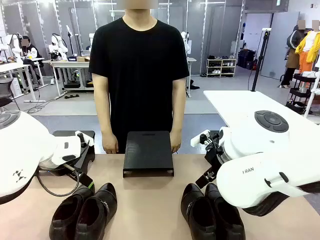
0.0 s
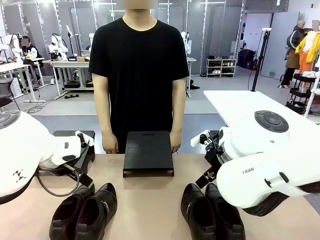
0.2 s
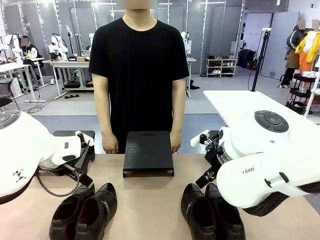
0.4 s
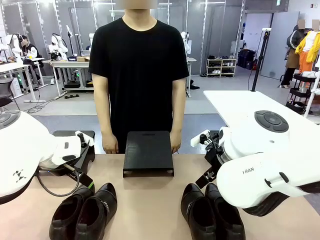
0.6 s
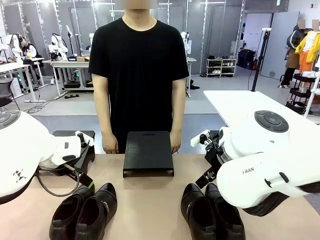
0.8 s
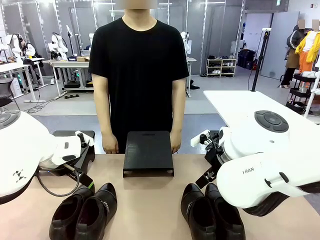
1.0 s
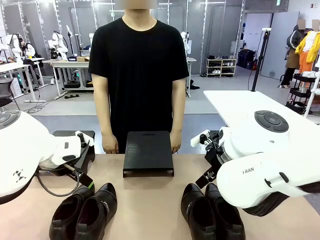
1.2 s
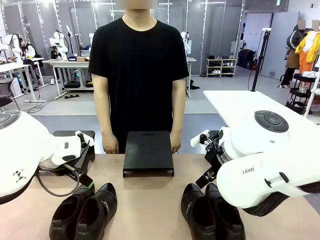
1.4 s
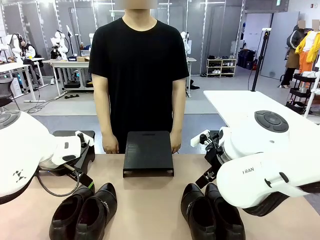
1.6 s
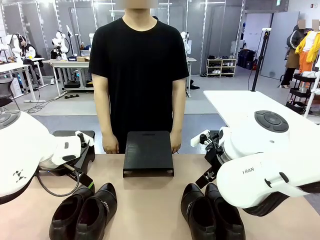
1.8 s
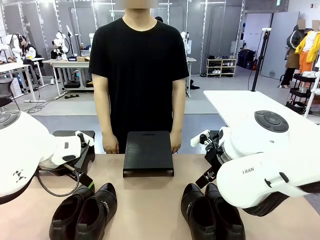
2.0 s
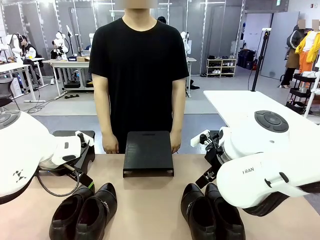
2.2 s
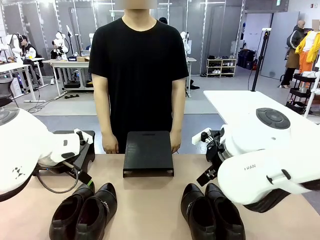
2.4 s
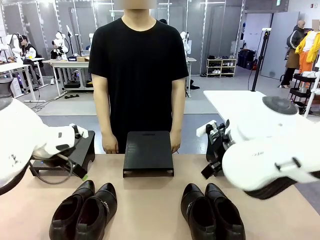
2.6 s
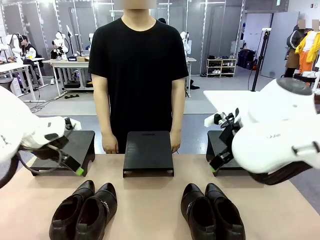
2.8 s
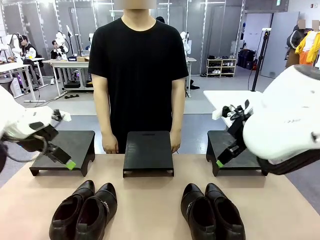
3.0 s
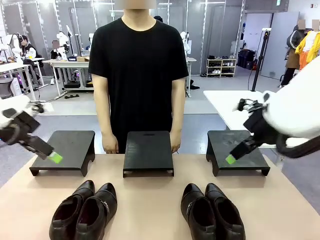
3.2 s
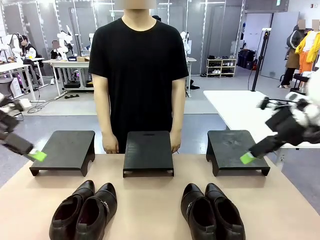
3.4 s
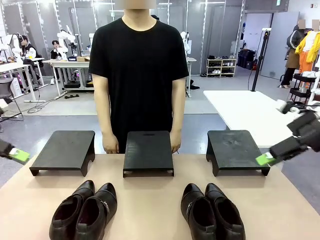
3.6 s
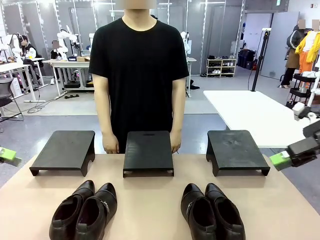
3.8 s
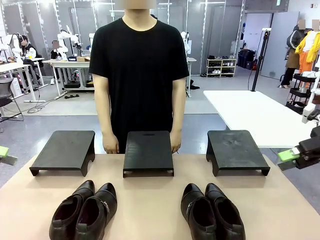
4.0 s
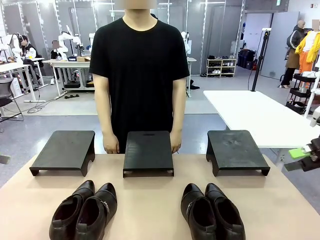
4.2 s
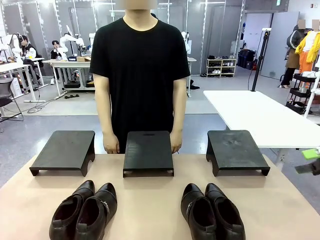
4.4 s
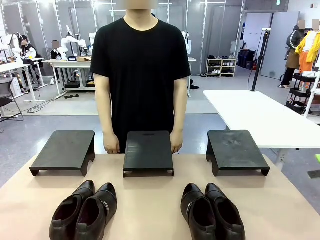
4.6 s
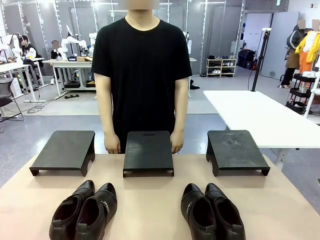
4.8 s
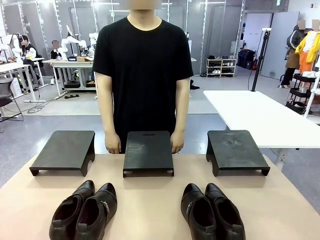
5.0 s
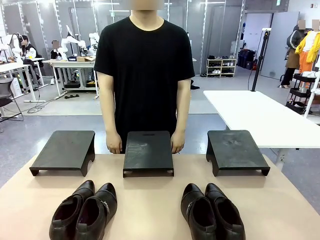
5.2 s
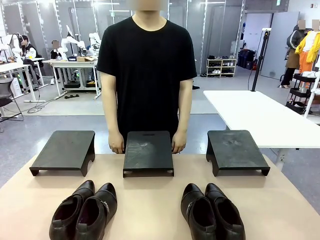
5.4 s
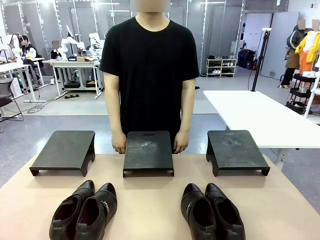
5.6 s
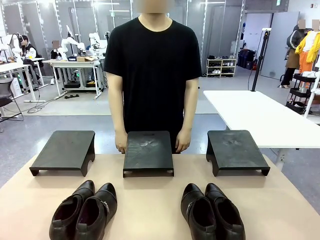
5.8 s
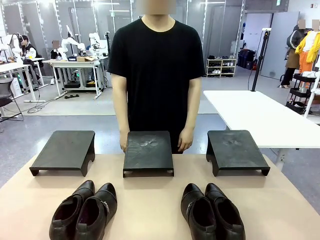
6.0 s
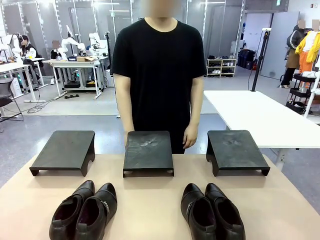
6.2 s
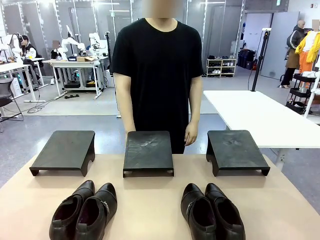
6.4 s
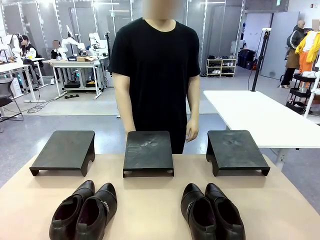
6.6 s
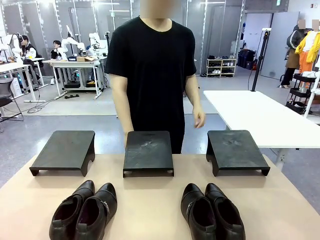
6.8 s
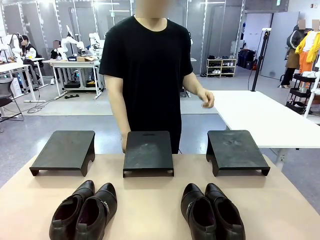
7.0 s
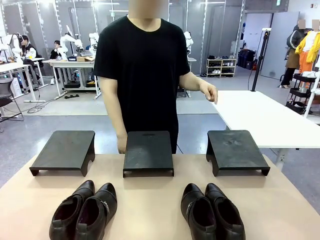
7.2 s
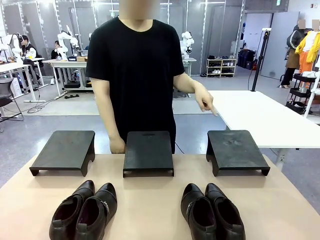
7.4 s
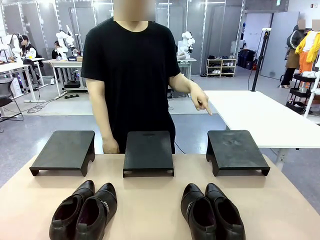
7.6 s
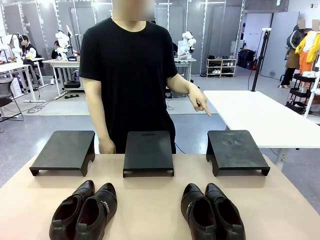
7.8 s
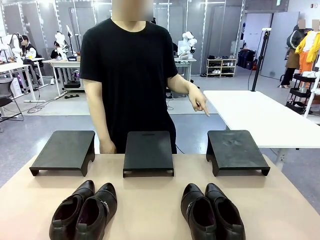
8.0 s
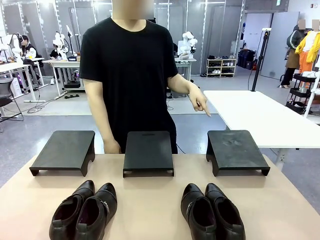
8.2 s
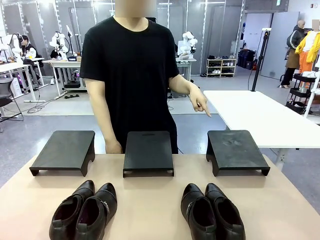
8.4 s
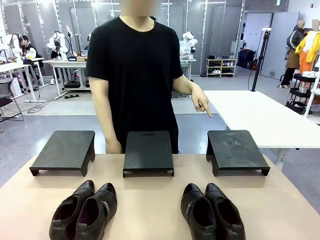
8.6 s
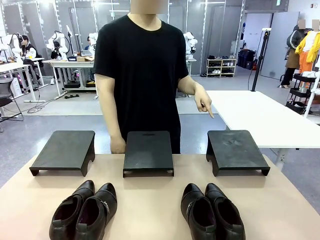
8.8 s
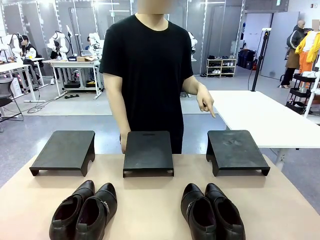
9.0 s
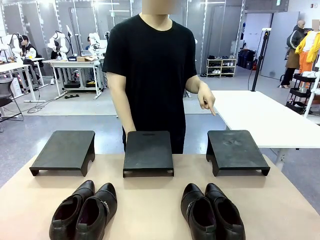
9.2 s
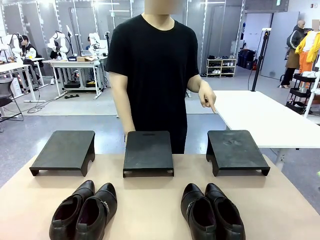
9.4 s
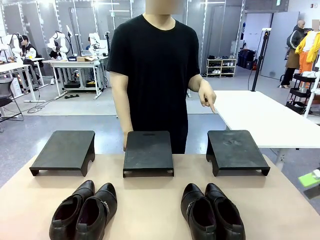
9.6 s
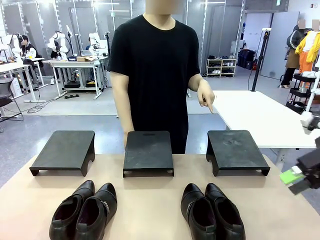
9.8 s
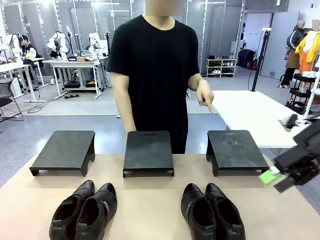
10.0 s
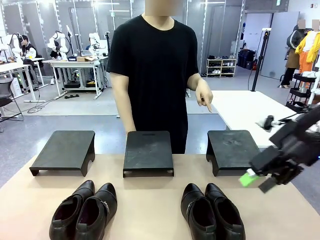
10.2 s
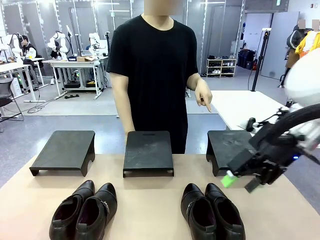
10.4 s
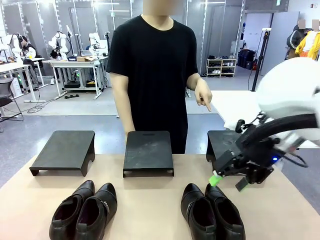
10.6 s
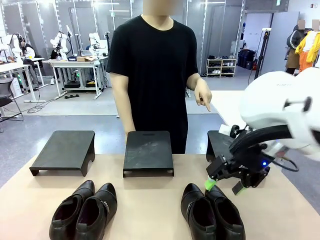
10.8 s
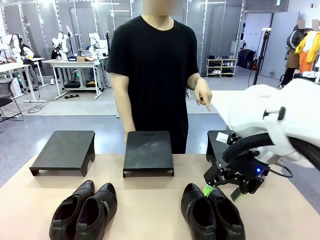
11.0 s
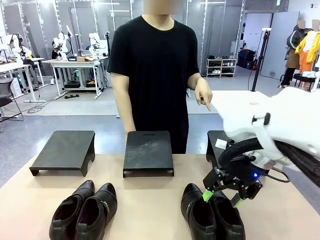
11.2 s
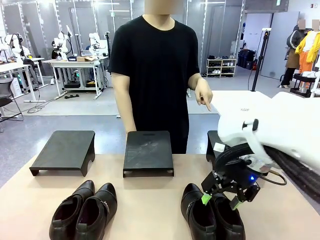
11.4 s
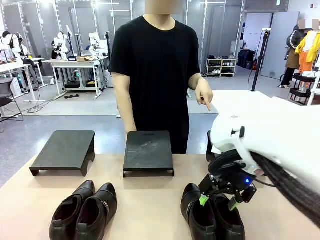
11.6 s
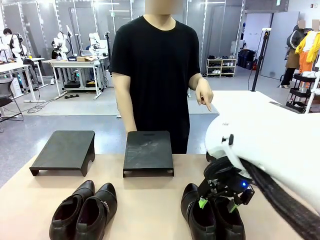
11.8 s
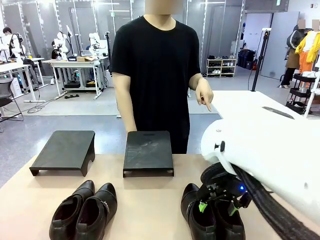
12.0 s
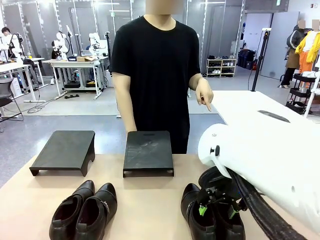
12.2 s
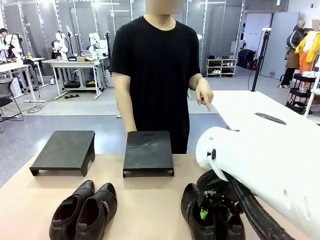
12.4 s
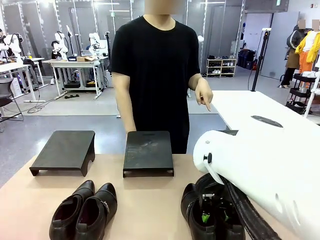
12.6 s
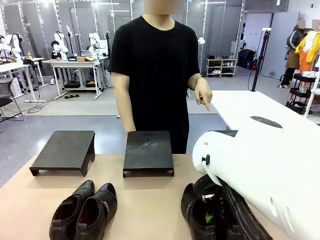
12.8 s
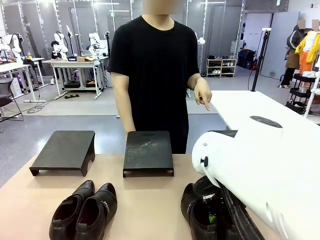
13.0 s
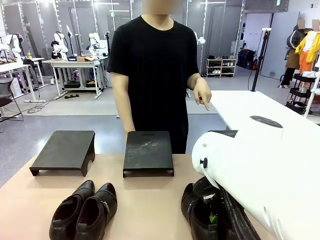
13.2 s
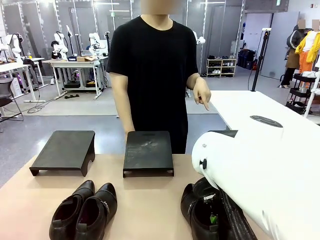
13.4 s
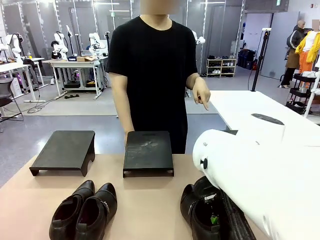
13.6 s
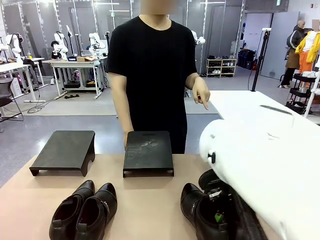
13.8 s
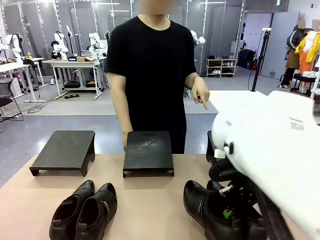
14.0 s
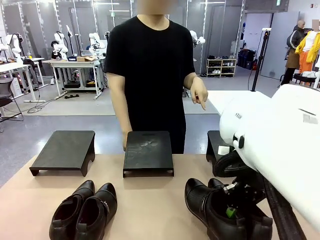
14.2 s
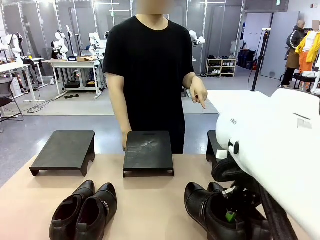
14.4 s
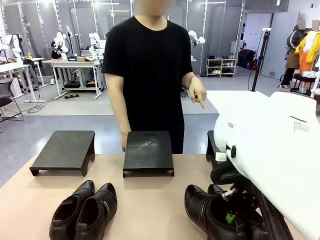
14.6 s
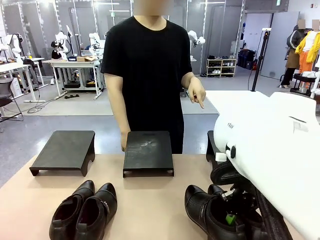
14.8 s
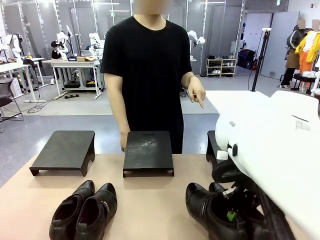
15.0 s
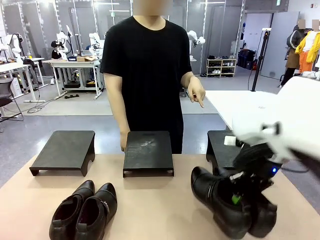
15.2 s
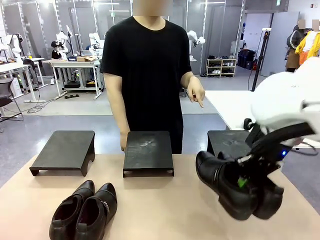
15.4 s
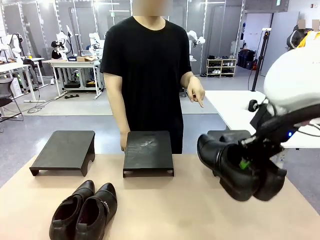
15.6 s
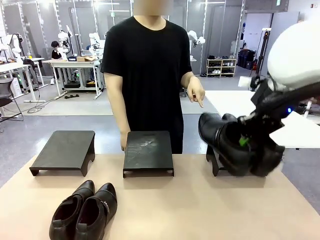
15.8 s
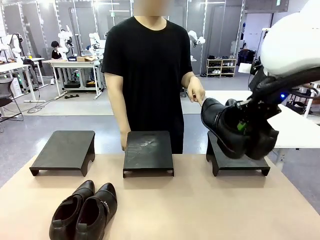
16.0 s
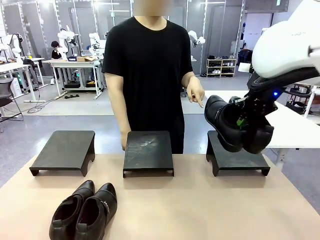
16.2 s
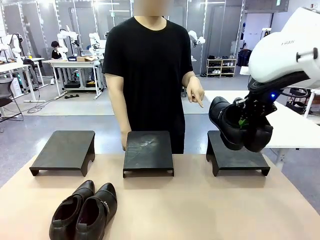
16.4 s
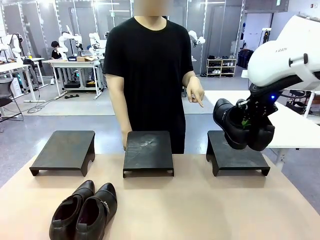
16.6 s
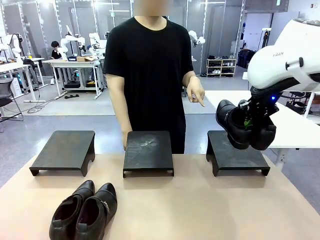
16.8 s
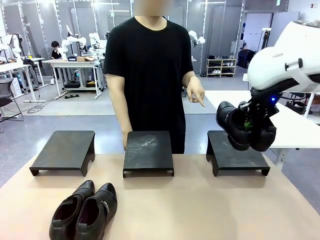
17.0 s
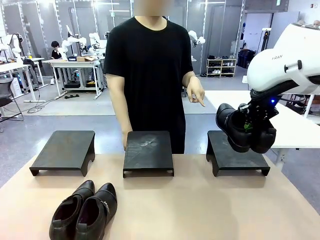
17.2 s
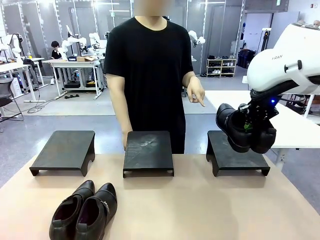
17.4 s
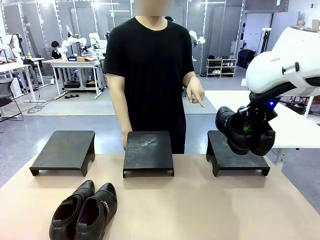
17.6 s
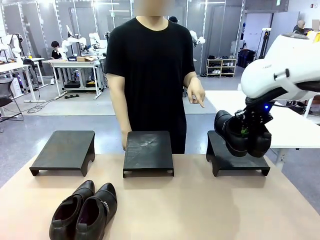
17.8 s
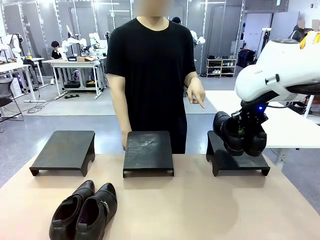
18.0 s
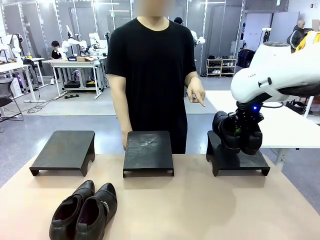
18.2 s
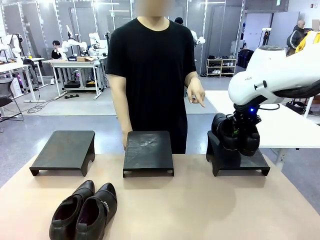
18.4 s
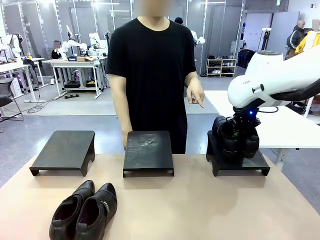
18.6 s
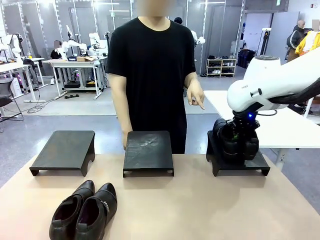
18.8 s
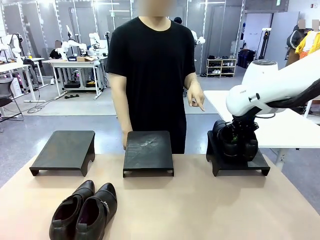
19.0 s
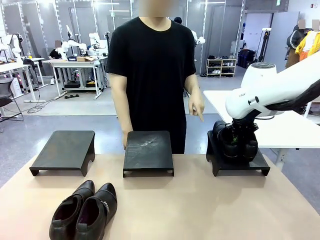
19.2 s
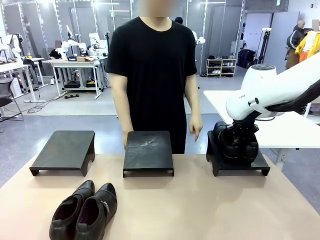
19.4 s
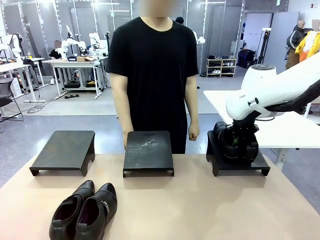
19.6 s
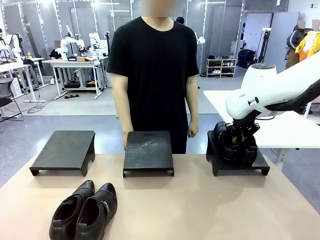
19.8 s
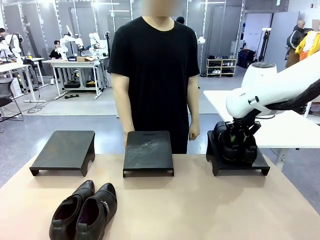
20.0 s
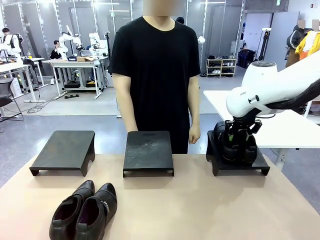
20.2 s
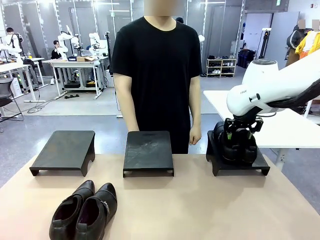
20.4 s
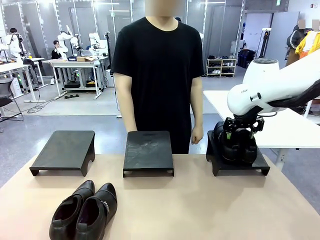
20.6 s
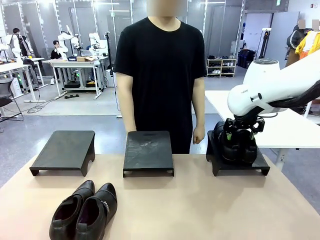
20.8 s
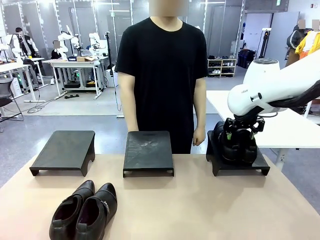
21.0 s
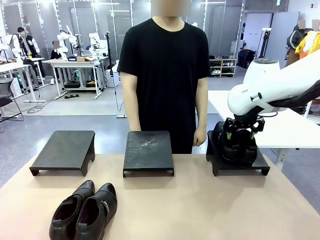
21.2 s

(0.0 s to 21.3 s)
Task: Place the shoes on the stand as instructed by the person.
Robot: Pick up one pair of Shoes and place it on the Shoes Stand indicated by the person.
Person: Point to one Shoes Stand.
